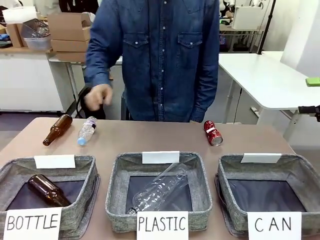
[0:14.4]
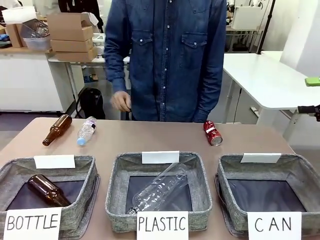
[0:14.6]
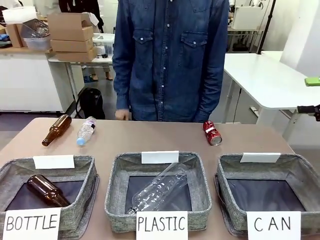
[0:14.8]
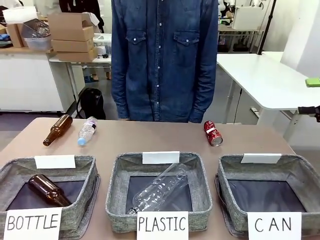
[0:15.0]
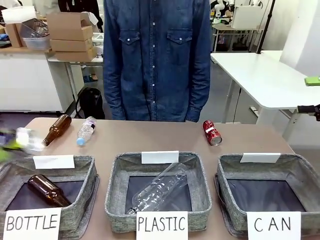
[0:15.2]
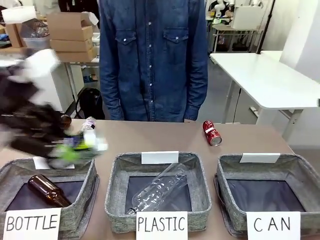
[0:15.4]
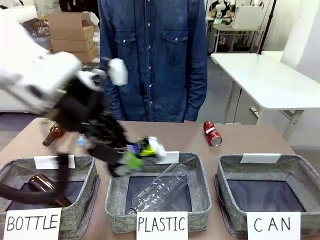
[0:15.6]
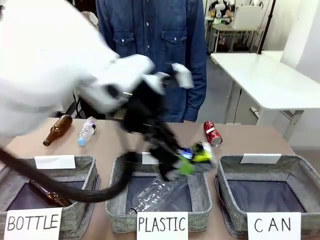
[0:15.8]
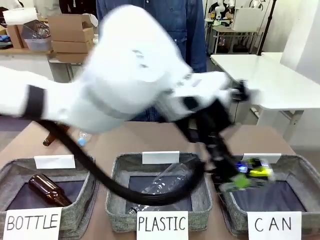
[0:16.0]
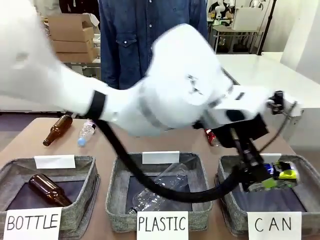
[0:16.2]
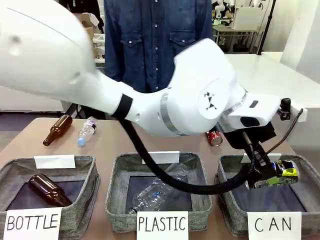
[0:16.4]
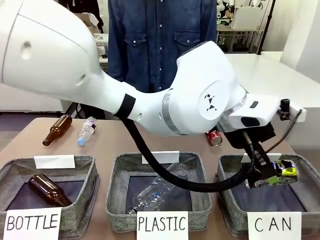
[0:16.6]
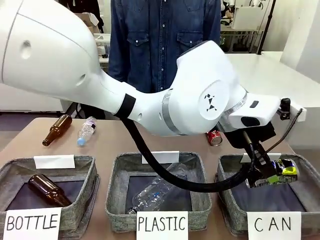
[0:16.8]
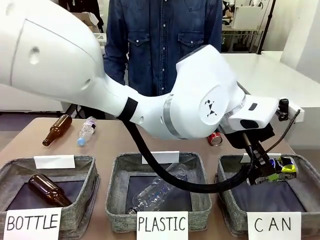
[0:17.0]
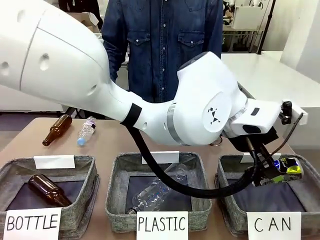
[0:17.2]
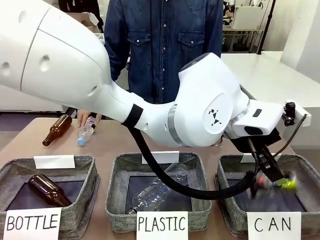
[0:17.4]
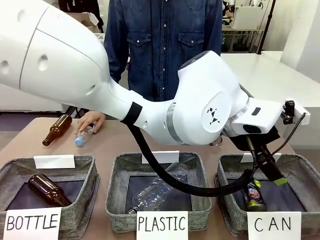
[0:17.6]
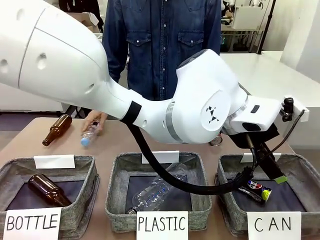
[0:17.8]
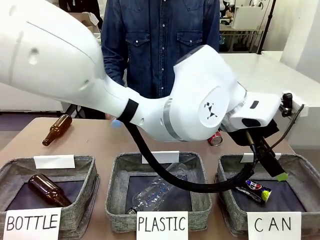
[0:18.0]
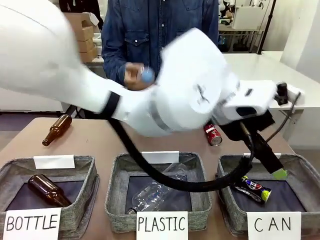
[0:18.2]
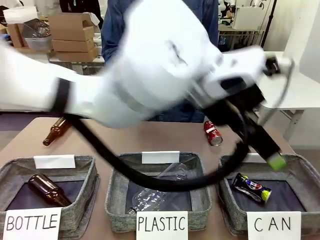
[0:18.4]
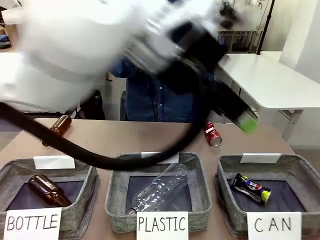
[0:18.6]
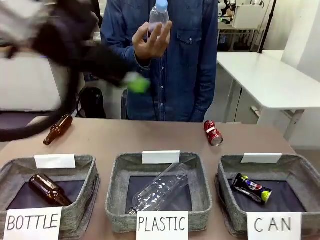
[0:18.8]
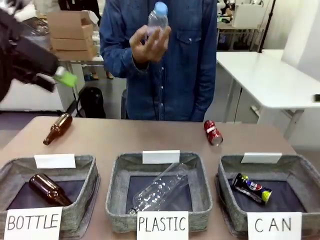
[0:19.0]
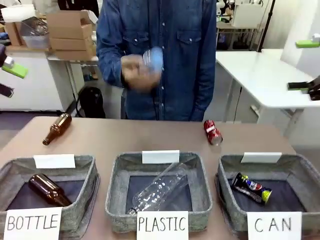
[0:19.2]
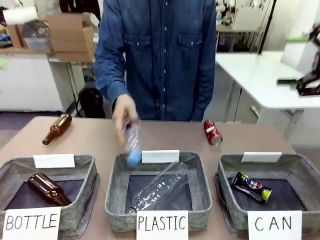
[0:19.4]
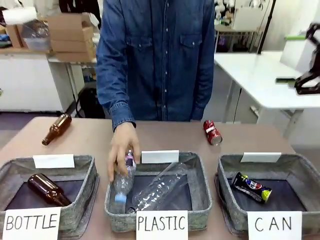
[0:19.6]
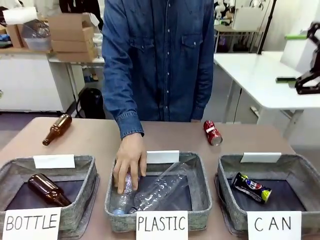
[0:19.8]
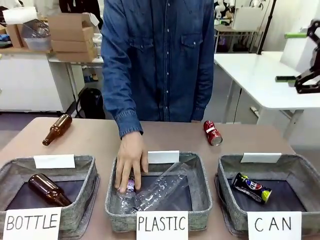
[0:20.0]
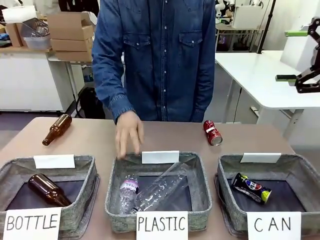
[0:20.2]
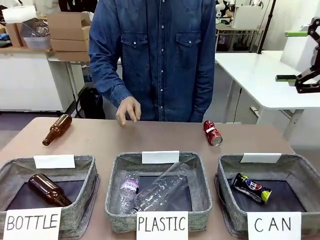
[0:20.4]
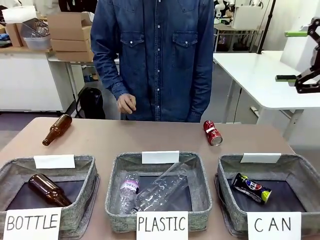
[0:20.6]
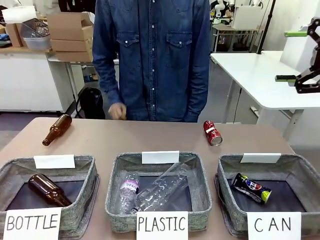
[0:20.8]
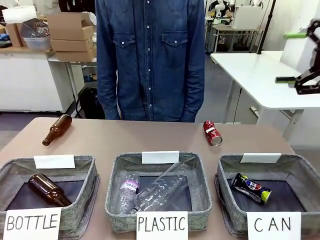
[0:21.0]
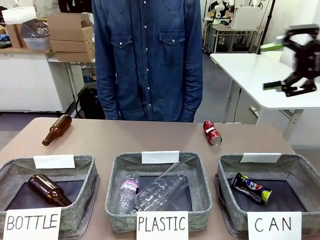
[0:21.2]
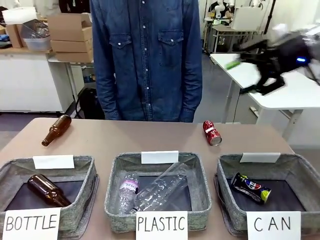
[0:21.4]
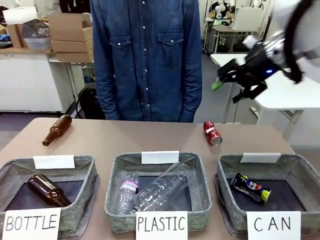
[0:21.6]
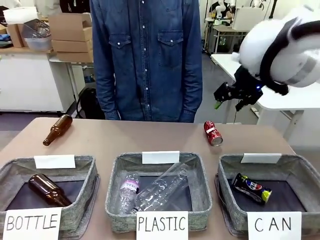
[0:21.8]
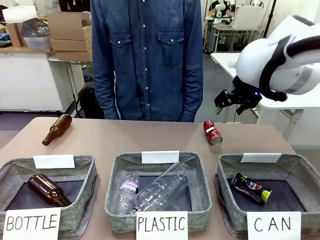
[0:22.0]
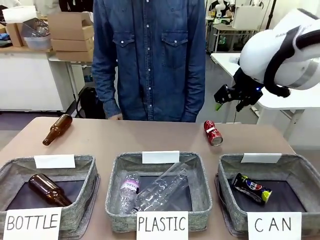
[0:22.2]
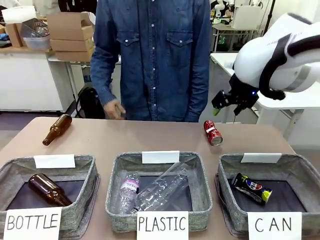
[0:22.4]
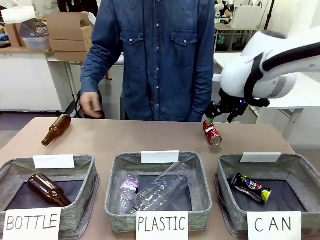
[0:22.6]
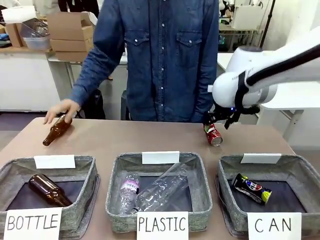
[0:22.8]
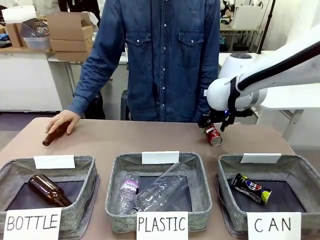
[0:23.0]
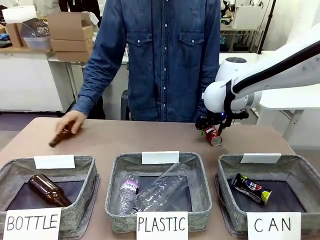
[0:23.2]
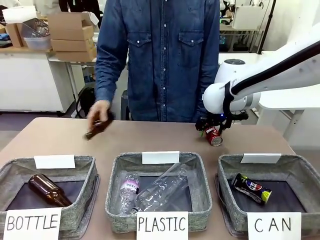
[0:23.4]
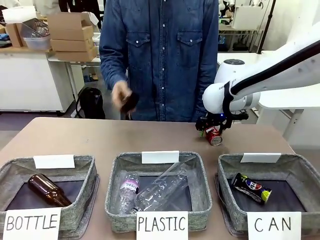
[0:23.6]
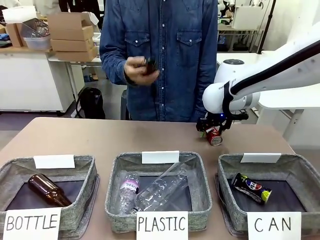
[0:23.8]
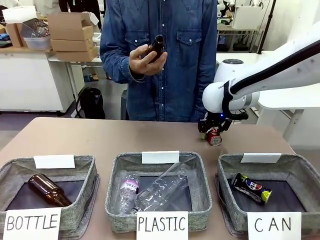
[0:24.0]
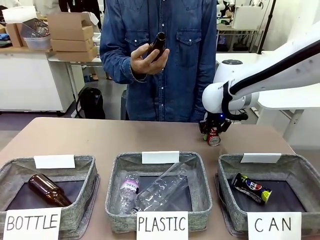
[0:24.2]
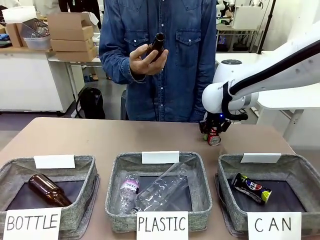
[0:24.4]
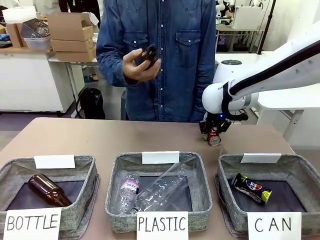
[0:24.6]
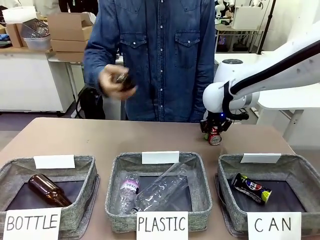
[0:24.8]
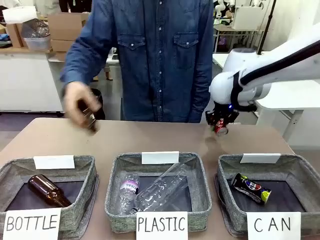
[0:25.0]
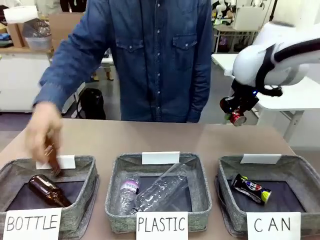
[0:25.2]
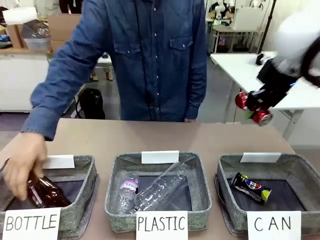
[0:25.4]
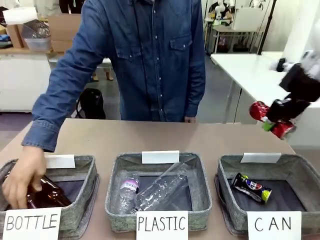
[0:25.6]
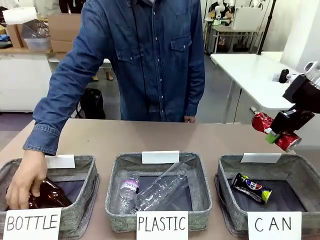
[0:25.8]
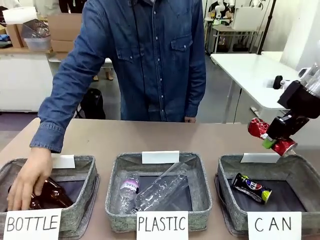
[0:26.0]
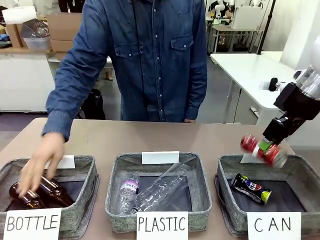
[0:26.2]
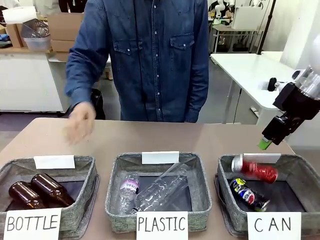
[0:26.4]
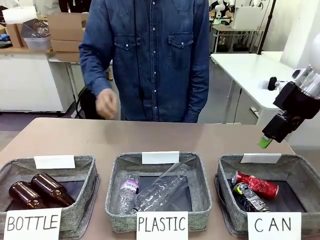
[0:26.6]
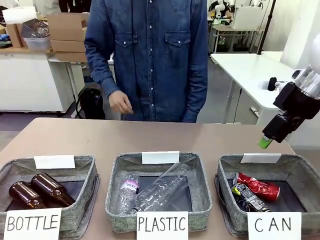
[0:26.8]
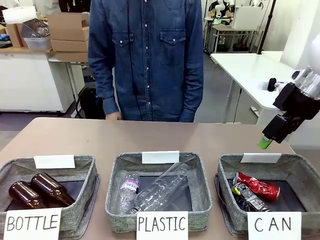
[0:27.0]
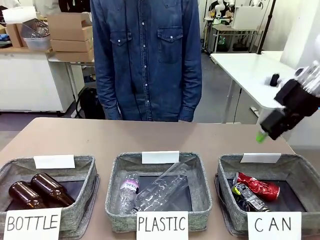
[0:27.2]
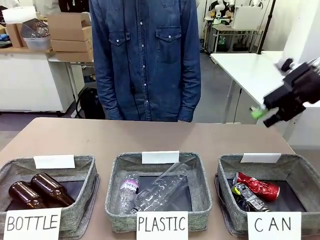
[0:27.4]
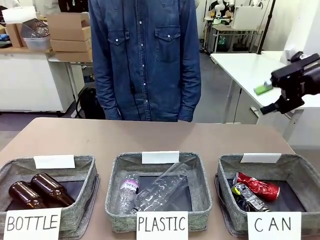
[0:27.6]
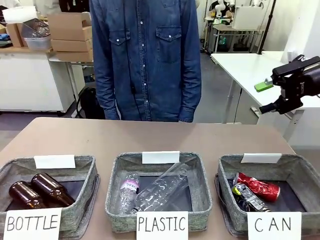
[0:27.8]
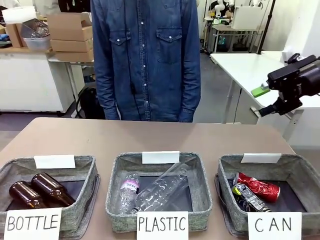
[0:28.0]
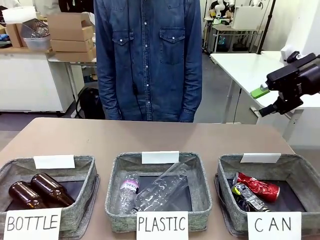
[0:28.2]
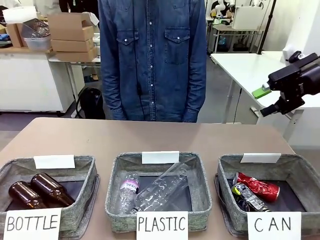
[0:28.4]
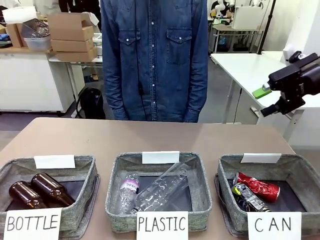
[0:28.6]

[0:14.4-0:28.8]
Task: Sort the can waste into the basket.
Robot: Pick up the can waste from the table and place it in the right Fabric basket.
